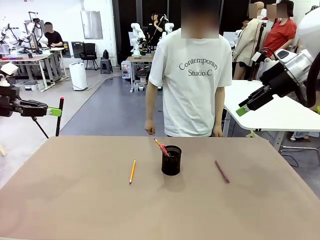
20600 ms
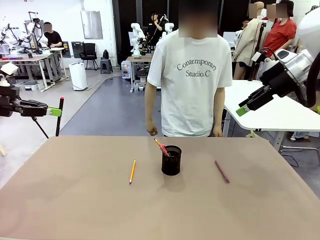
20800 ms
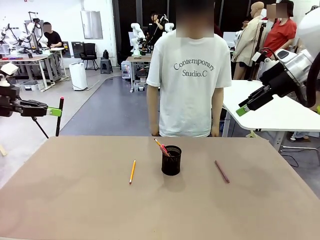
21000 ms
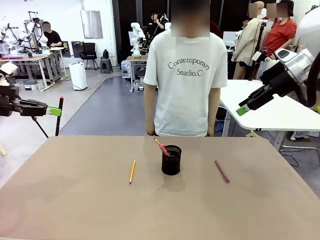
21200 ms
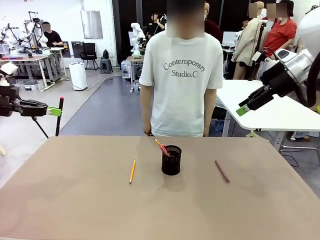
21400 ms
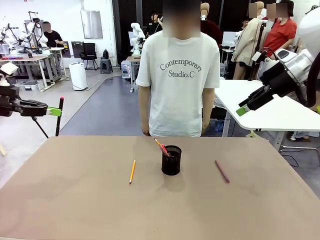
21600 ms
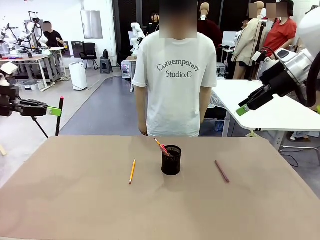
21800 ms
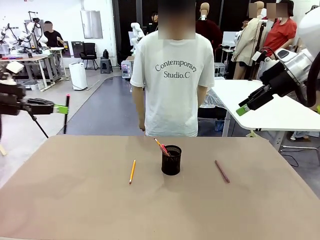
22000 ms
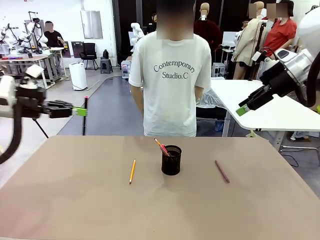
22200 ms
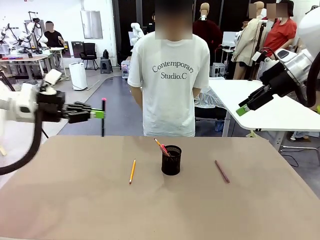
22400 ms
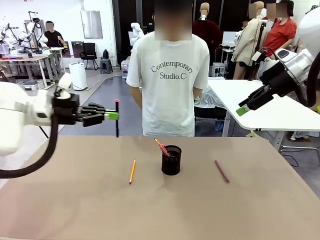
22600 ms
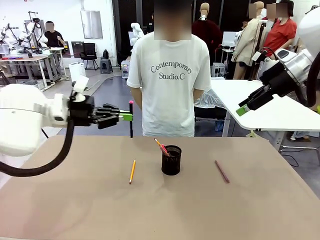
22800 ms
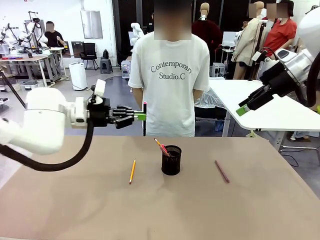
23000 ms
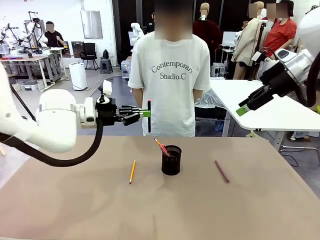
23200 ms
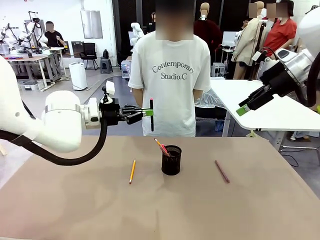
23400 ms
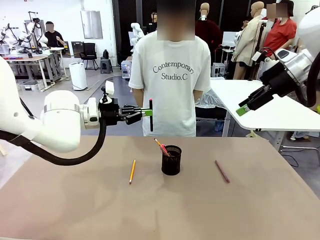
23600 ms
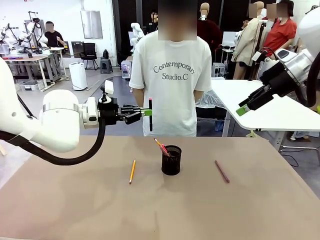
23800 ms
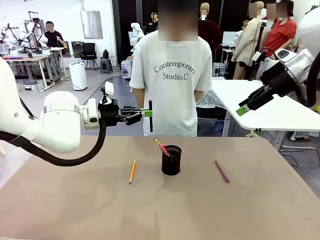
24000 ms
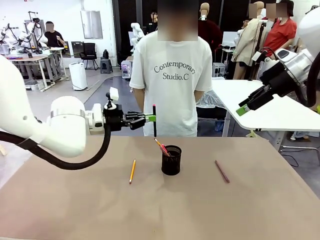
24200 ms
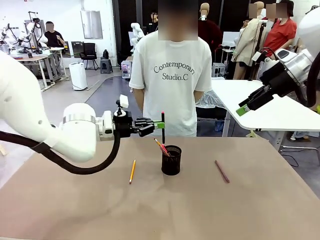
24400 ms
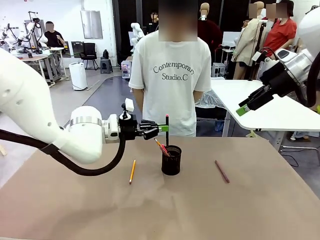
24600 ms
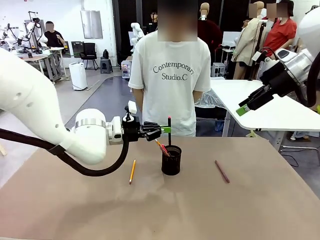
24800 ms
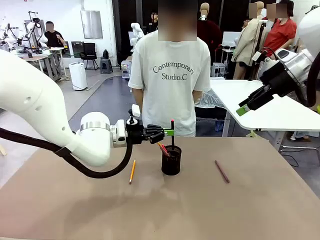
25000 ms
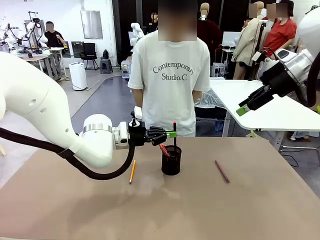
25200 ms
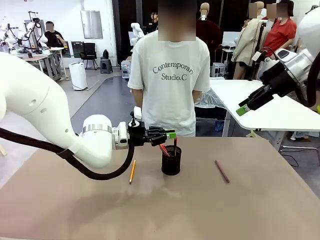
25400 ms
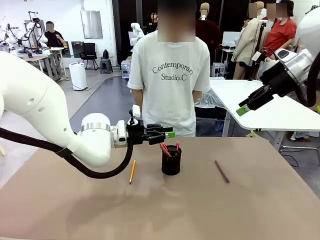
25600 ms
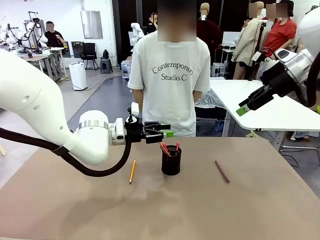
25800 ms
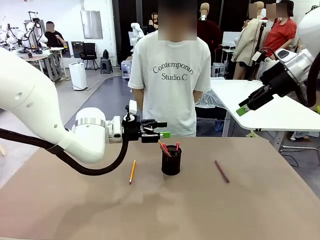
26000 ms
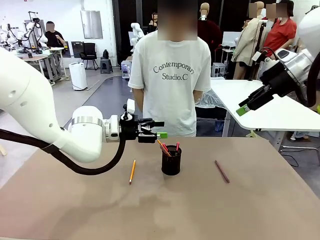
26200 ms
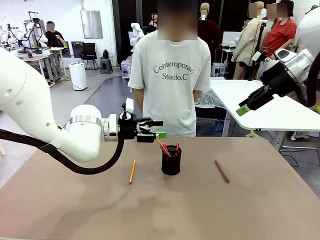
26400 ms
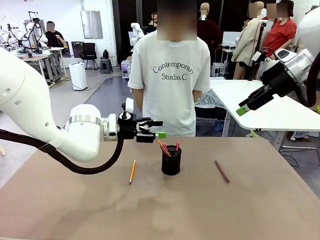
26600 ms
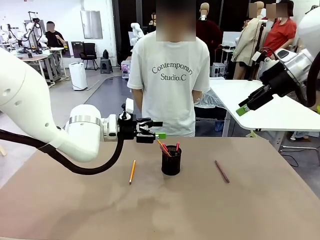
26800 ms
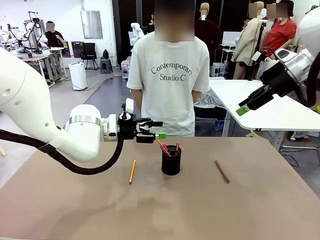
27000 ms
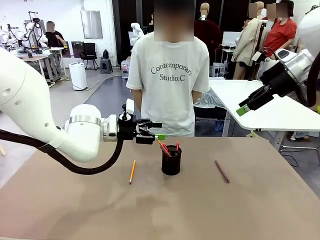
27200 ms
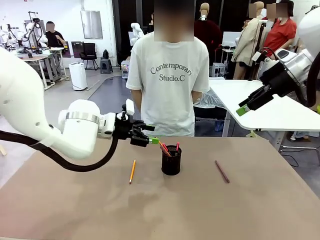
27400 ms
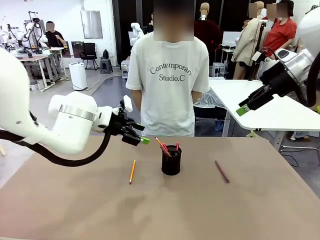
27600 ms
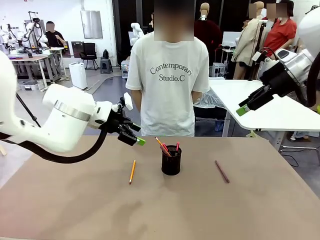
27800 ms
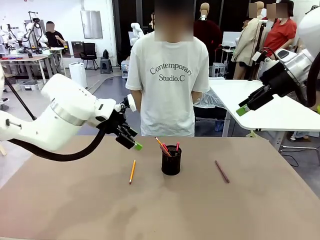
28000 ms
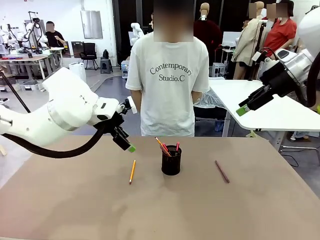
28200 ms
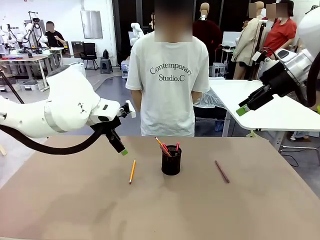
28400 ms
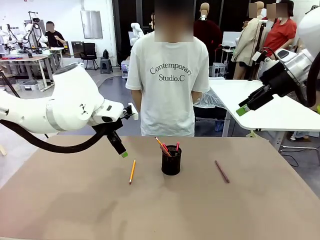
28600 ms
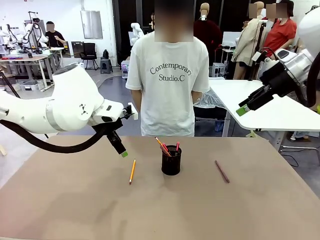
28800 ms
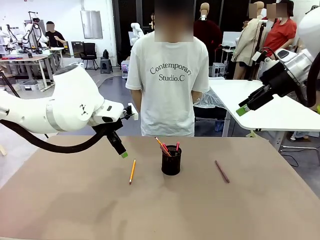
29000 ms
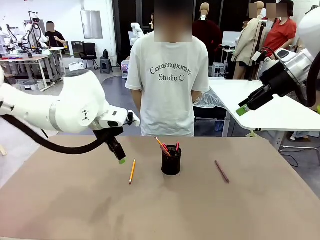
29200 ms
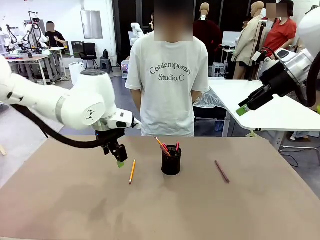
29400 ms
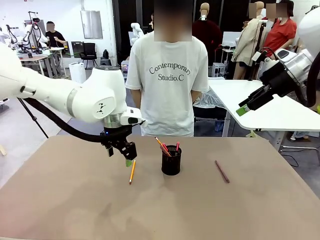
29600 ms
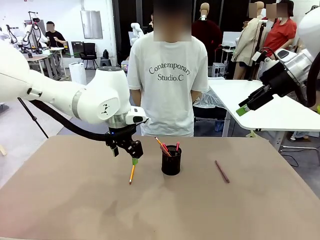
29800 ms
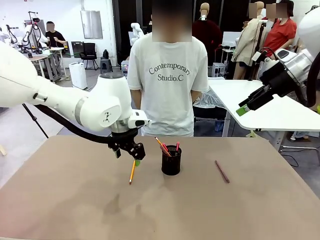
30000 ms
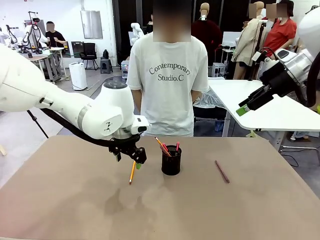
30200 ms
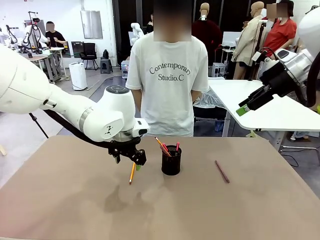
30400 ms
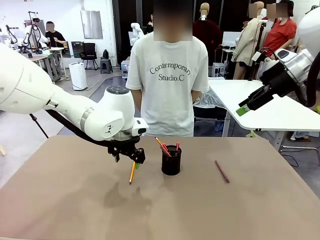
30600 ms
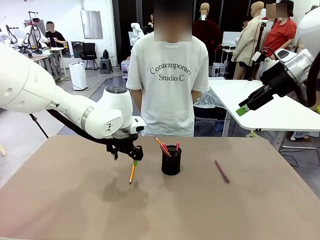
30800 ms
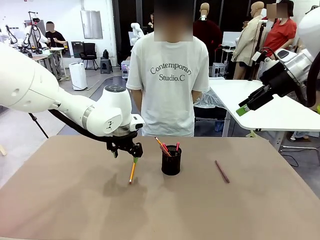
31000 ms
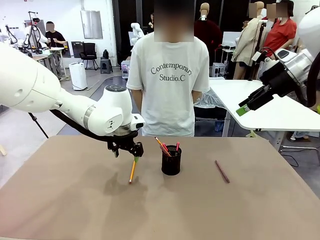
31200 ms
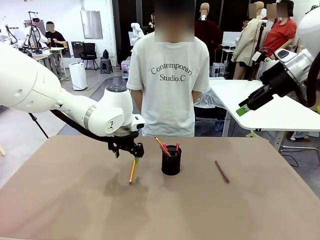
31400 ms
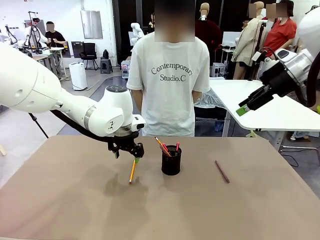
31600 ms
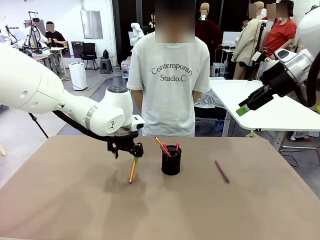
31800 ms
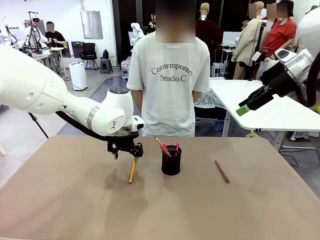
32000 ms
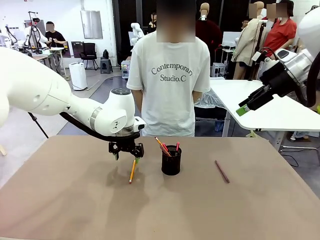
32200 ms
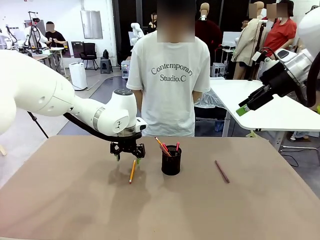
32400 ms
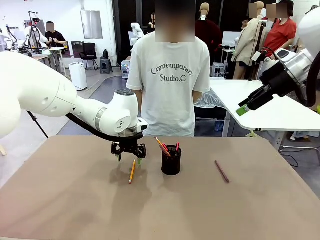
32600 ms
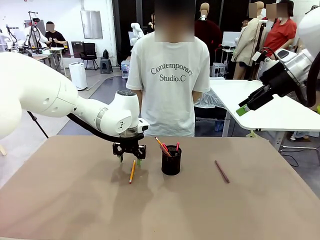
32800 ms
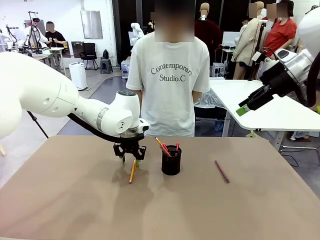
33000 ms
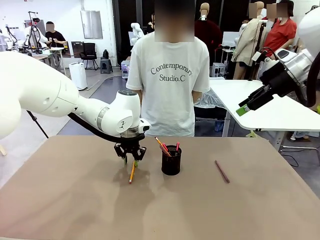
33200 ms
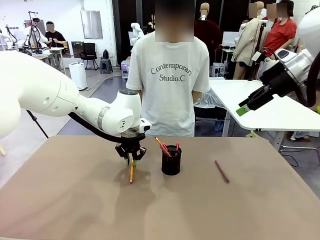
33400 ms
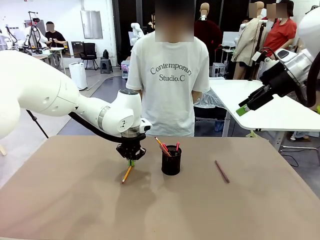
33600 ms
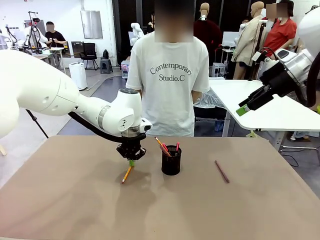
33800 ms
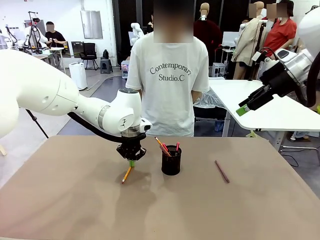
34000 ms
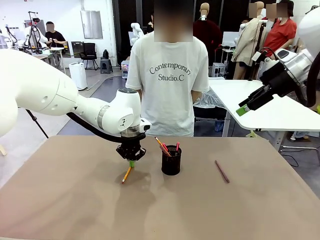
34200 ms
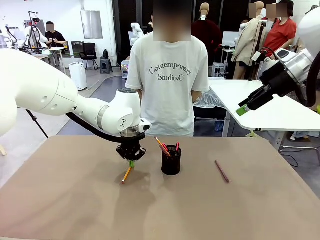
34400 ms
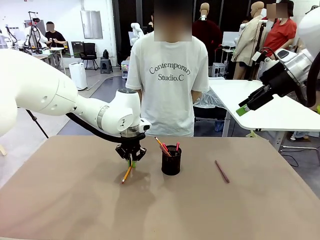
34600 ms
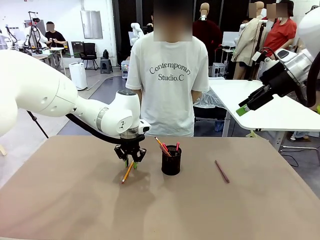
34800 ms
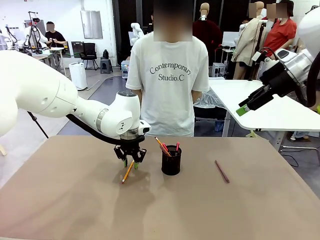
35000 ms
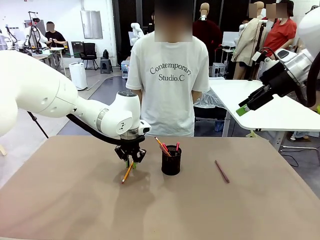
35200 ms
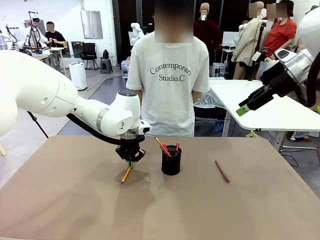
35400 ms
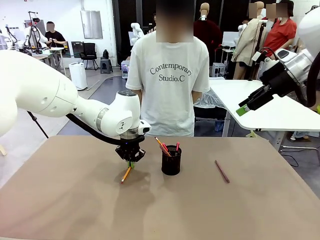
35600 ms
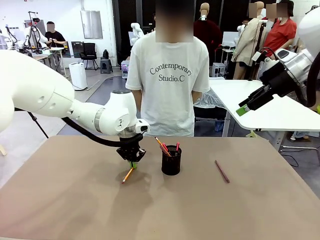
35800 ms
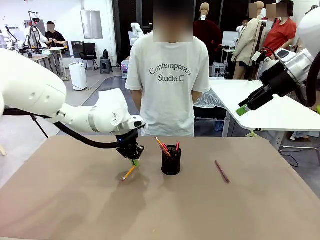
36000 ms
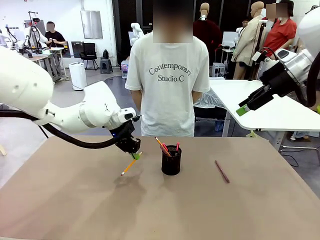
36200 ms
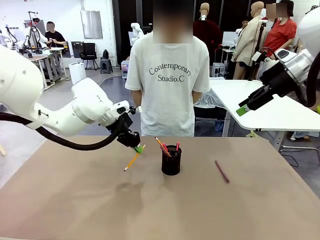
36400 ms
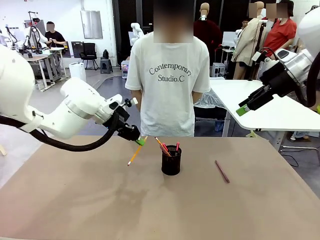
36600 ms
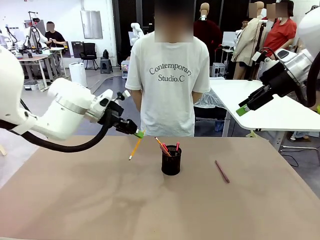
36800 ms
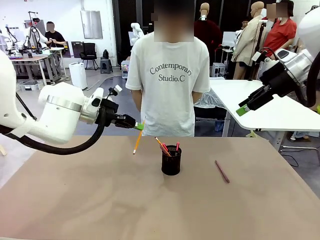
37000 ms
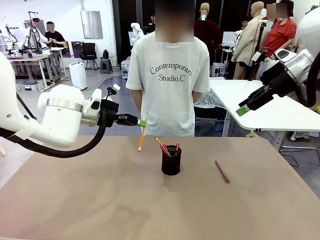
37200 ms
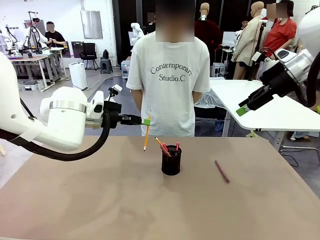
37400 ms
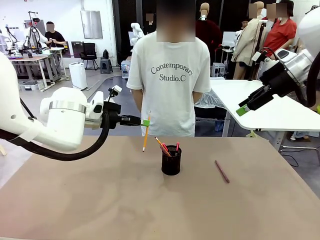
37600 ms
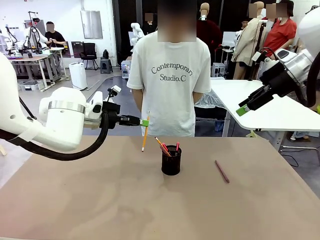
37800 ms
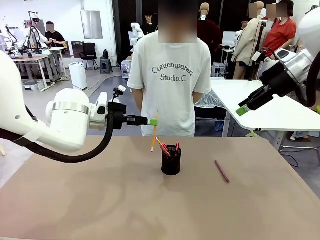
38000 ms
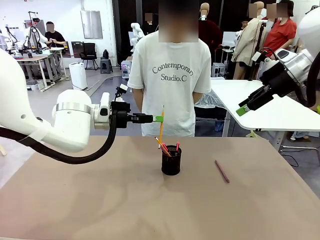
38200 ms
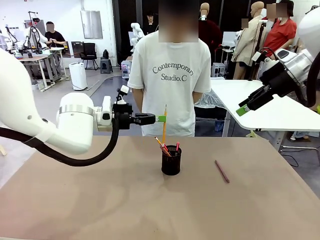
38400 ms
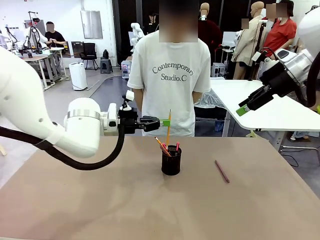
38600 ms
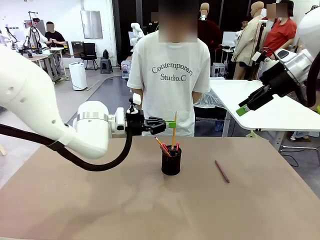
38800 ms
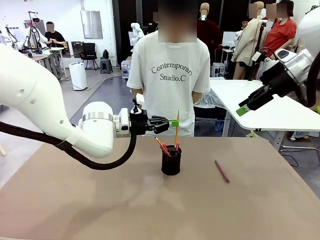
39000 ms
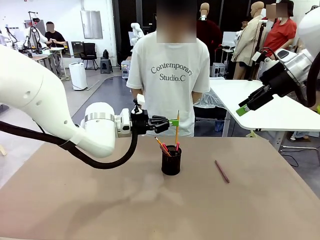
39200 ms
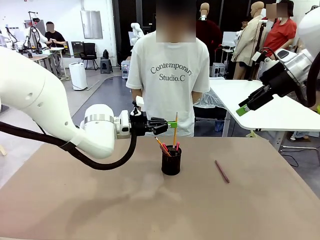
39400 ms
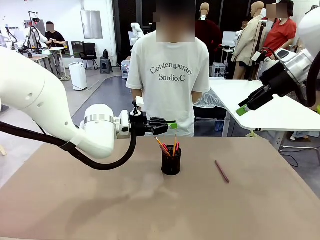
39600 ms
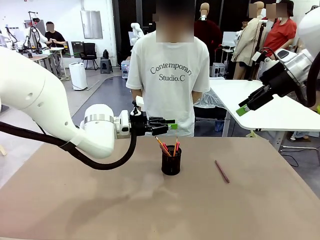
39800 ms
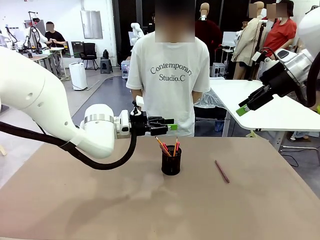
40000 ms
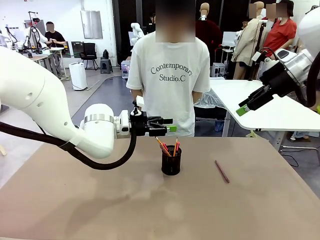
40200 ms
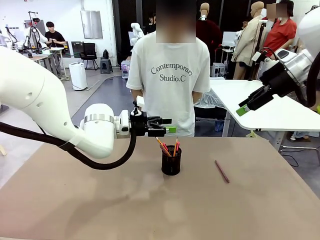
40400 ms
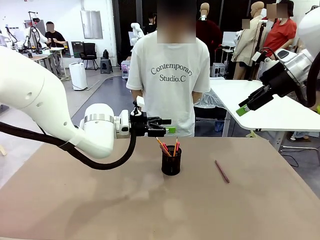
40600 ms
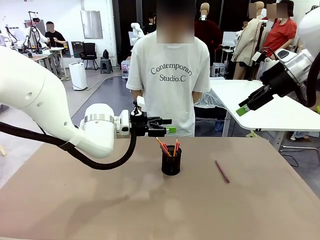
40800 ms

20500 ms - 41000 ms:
Task: Place the pens into the pen holder.
Robot: Pick up a writing instrument from the table and place it into the Pen holder.
